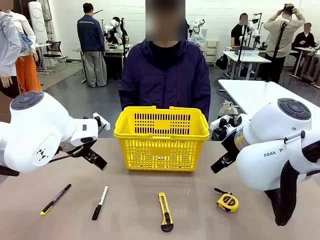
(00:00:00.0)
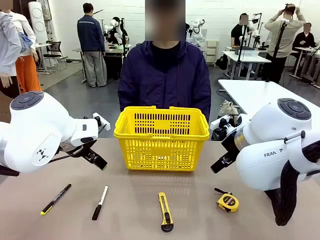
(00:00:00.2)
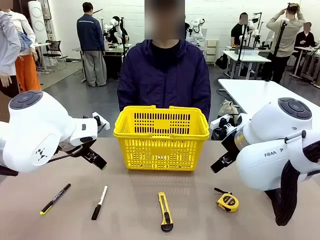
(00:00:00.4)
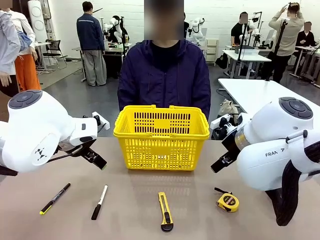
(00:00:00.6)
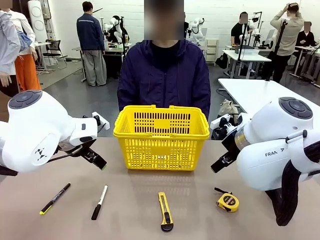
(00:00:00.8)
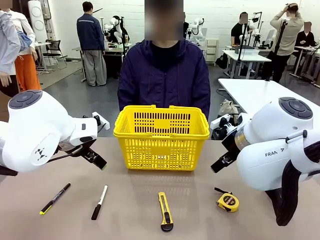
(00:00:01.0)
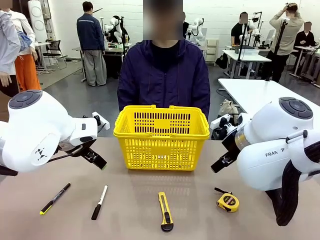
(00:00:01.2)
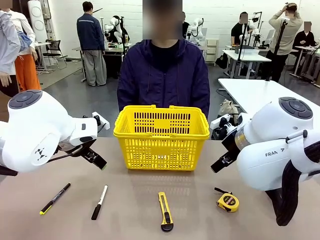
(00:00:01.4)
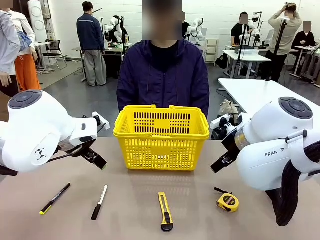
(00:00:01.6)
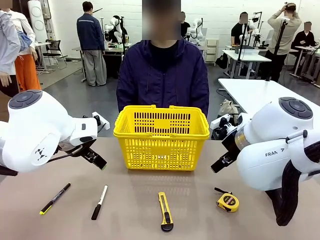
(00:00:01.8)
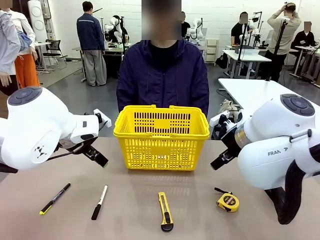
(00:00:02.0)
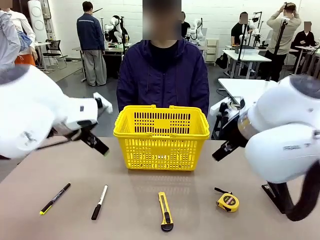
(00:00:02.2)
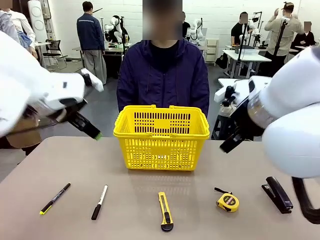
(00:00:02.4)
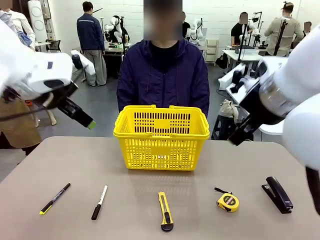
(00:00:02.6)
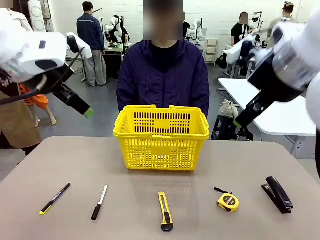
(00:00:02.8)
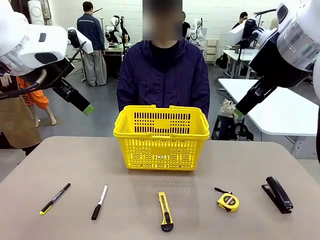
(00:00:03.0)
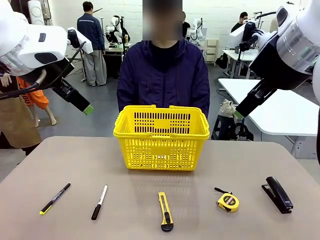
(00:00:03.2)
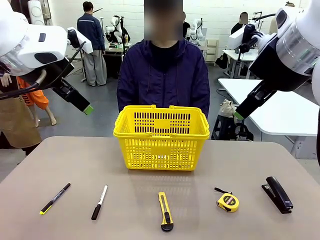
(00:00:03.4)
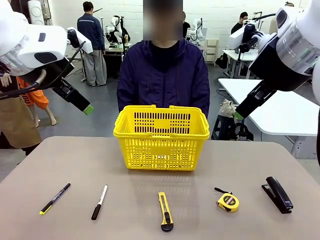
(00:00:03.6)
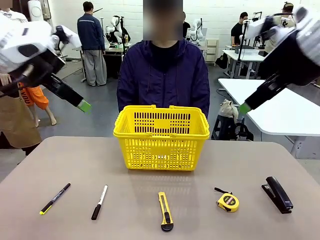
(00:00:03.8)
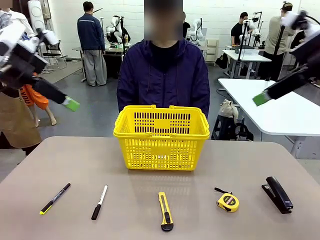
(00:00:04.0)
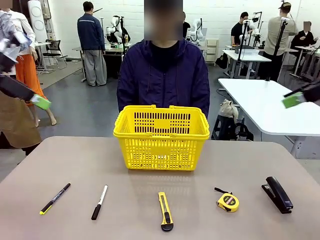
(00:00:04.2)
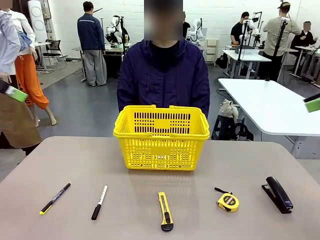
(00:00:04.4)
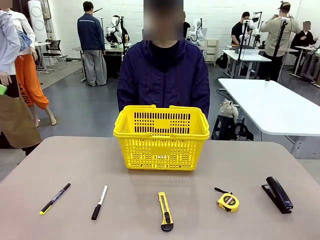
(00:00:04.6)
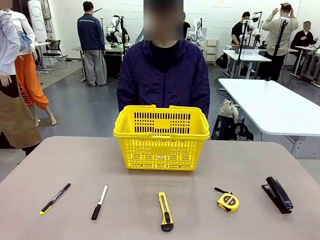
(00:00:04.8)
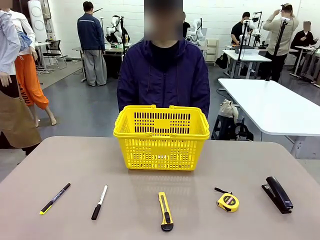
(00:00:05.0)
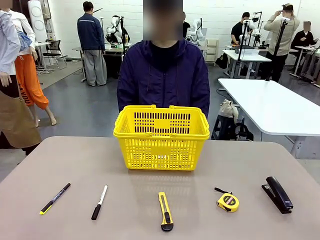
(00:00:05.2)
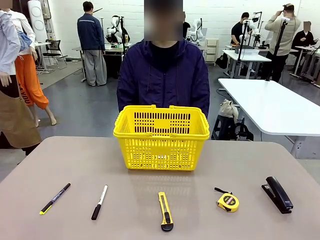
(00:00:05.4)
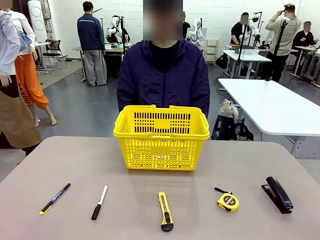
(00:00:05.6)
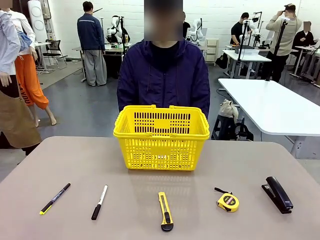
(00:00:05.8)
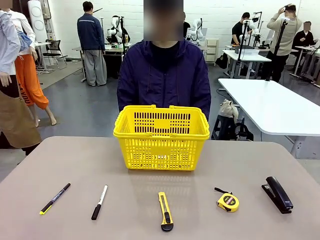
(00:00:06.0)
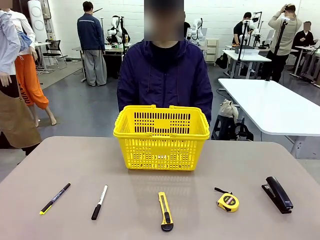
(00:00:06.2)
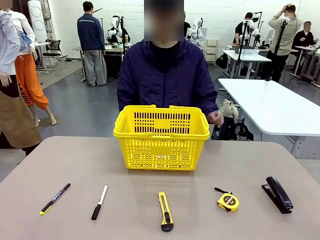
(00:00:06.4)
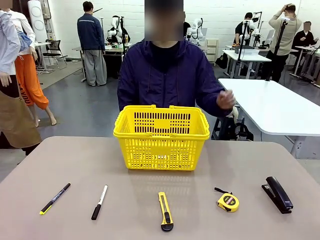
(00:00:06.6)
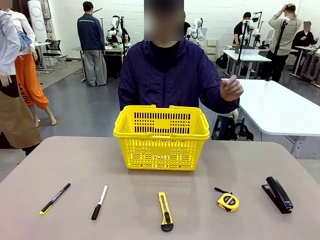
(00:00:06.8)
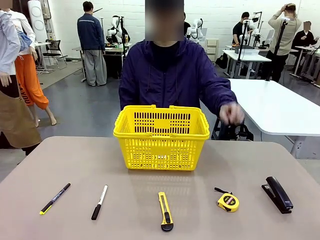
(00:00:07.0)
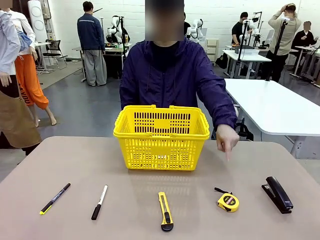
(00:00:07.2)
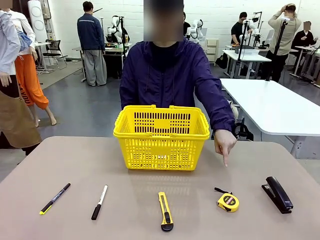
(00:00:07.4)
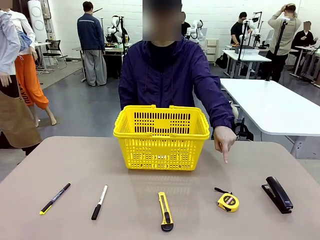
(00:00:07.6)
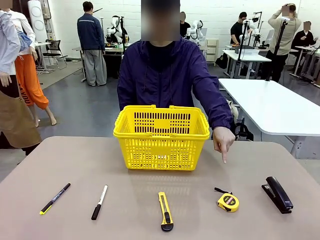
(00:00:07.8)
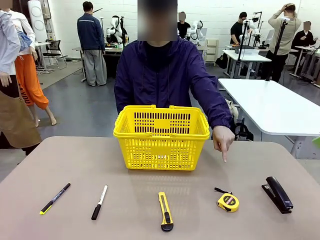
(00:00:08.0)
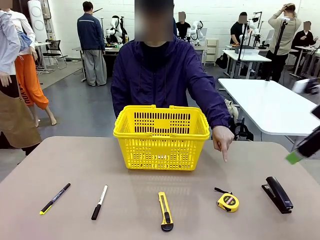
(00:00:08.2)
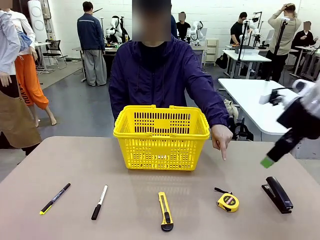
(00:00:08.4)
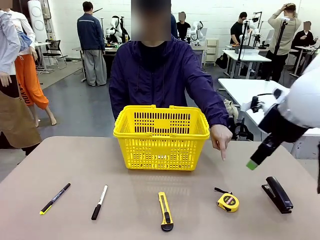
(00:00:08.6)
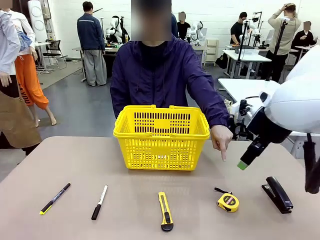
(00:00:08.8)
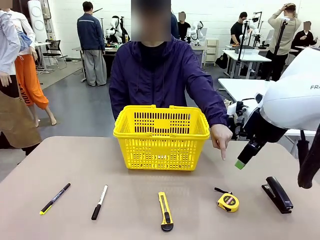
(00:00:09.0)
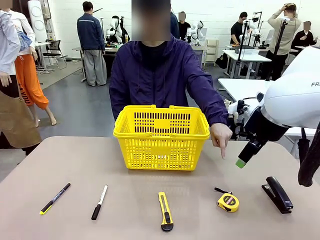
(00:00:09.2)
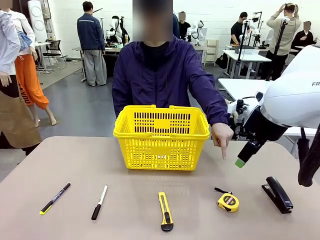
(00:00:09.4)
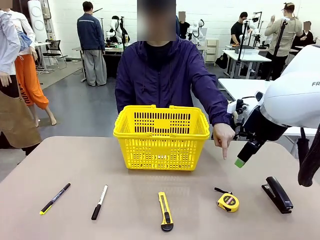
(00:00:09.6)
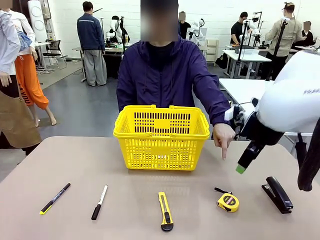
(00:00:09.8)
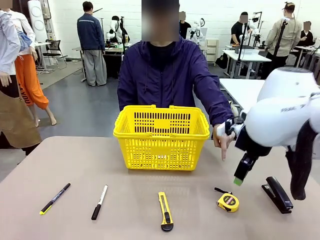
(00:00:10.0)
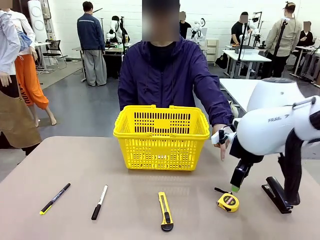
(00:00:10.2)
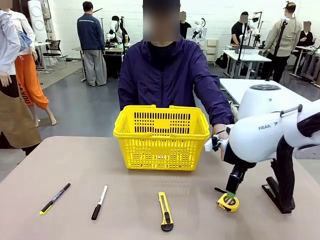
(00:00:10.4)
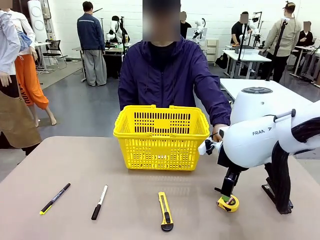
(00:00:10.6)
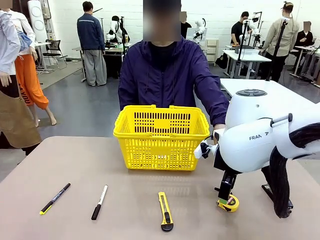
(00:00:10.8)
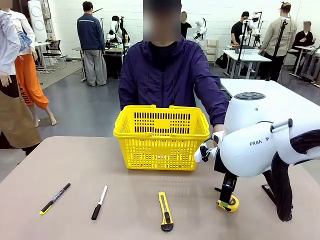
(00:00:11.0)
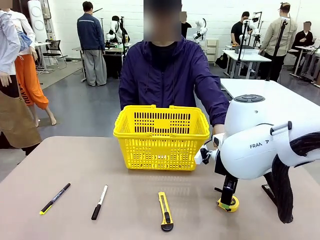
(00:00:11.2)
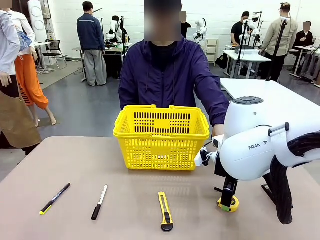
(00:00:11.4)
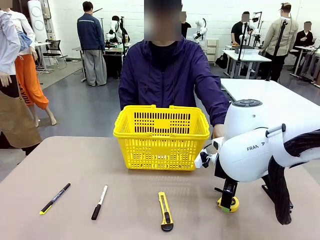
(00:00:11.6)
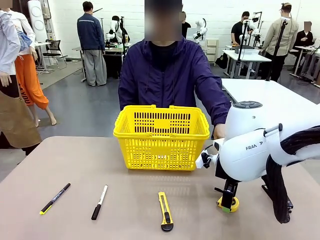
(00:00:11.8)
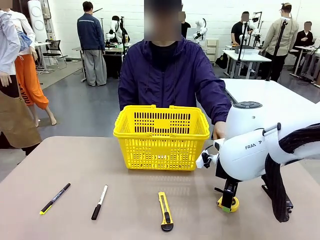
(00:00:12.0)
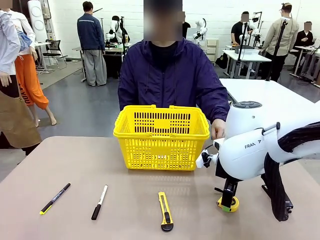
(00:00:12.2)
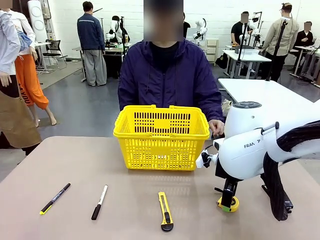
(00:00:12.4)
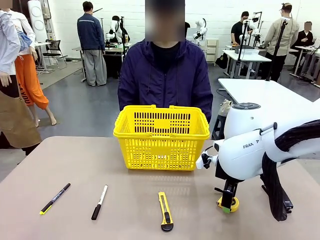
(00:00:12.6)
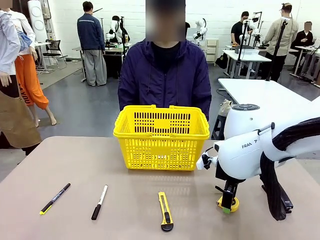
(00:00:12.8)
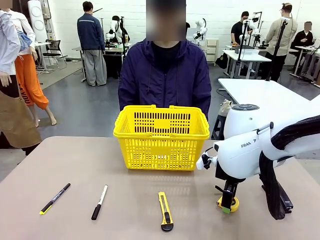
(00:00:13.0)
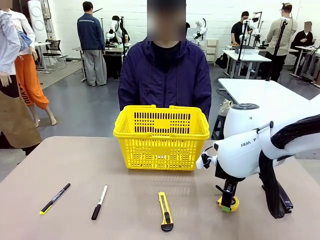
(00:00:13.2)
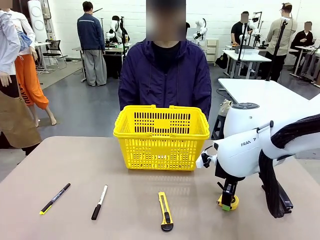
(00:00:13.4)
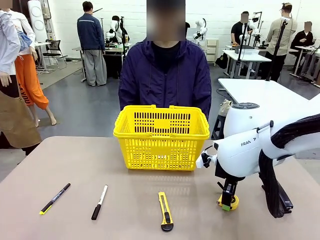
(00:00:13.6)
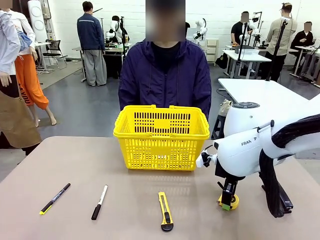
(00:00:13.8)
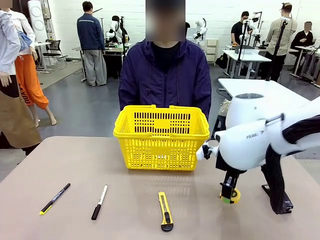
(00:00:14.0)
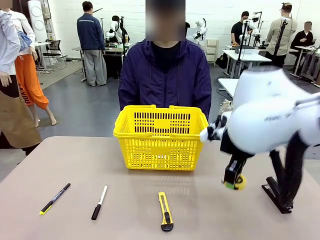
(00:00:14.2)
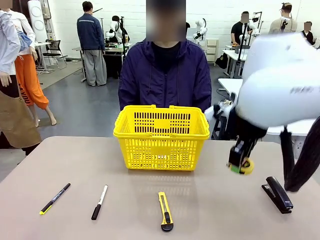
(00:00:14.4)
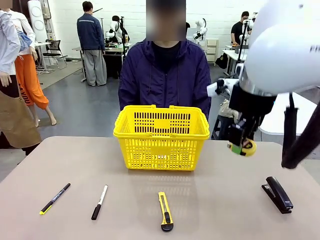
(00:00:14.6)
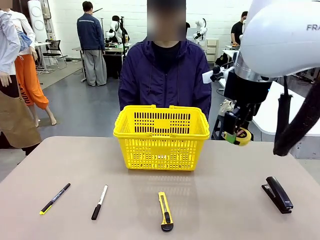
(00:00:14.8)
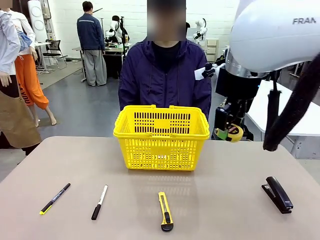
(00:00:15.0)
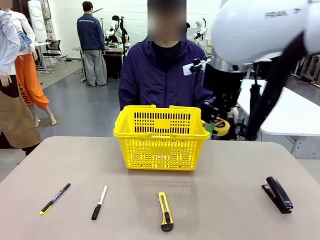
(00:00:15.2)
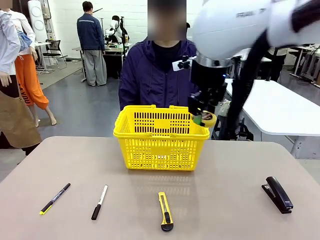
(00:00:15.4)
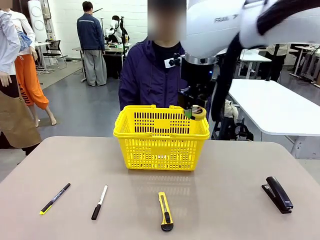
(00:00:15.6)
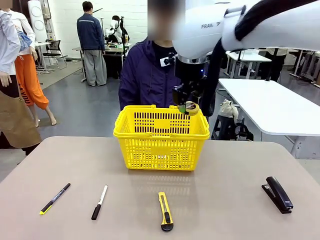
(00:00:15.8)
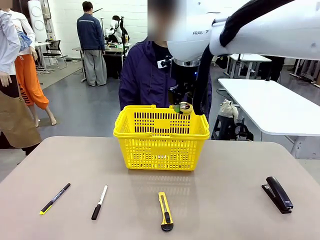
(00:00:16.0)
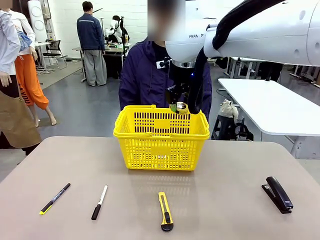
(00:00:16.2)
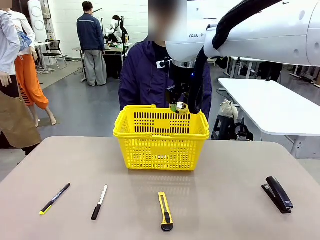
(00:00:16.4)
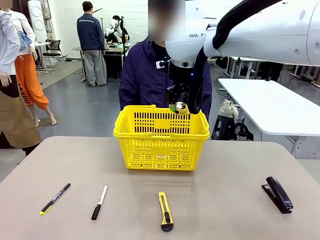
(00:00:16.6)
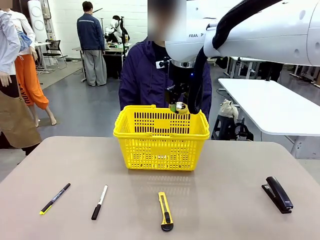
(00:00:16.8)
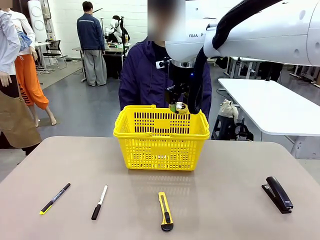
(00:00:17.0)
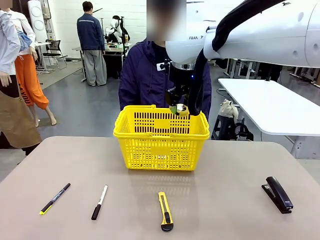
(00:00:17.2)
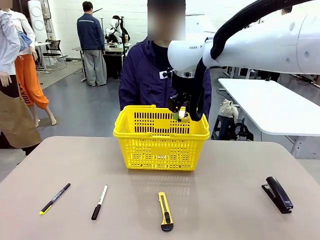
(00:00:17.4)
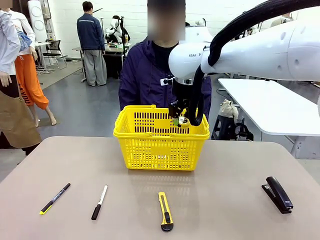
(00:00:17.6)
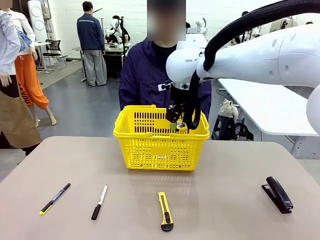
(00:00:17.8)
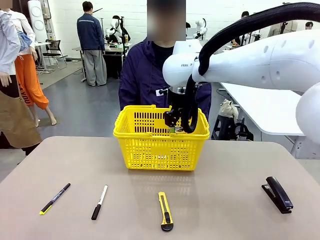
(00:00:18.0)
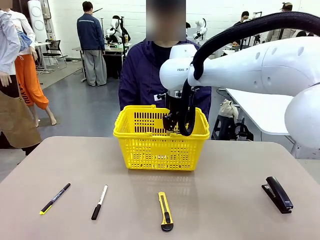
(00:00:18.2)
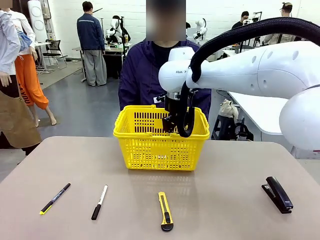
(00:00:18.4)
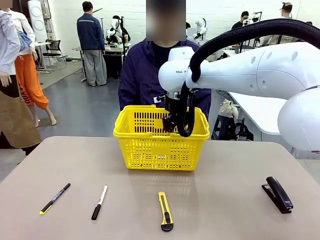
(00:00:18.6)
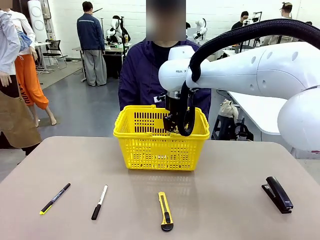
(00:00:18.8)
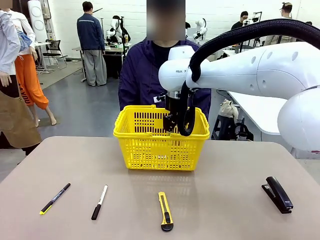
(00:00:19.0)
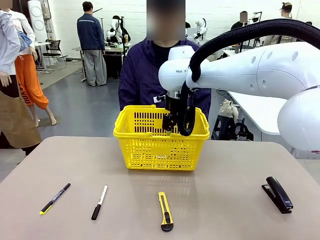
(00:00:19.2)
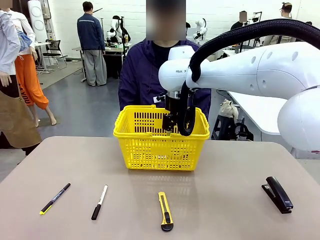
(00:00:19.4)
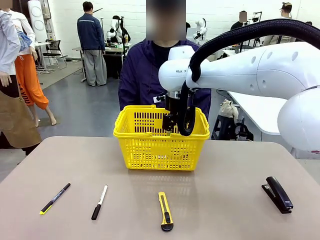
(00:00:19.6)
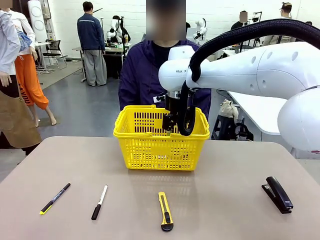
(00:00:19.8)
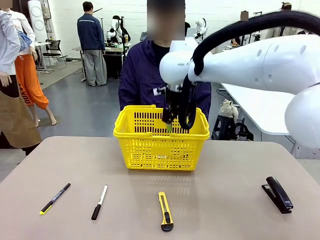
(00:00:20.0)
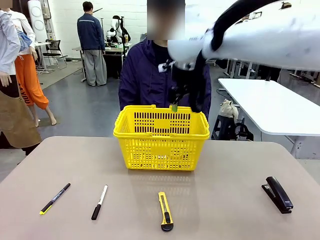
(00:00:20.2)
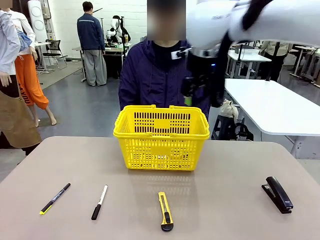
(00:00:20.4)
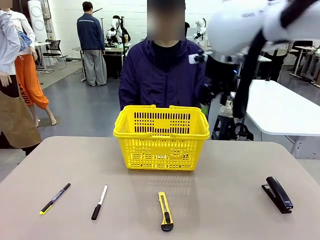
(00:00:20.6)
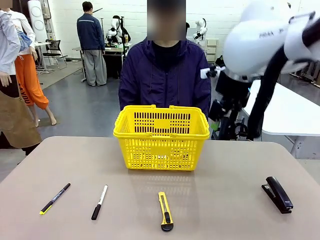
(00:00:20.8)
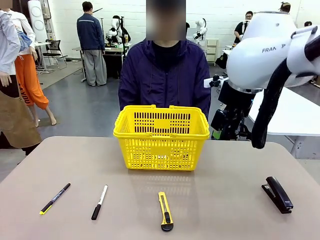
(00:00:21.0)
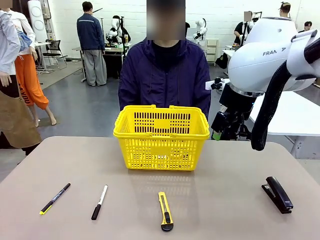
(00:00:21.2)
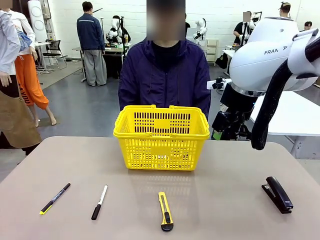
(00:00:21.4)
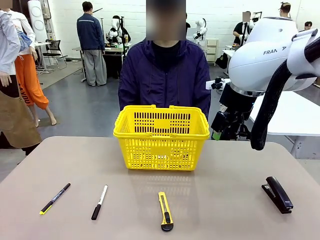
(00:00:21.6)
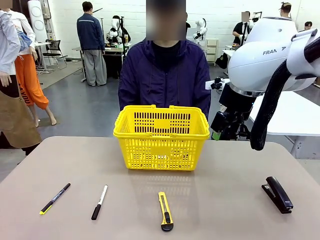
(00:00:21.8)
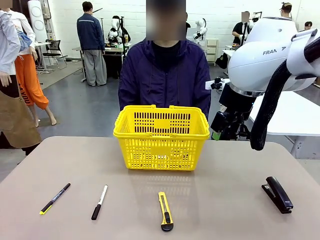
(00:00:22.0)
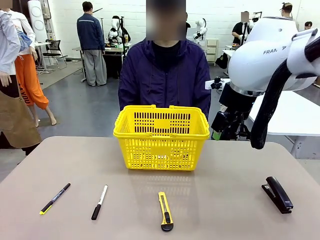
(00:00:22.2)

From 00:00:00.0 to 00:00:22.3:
Task: Place the items the person wants into the basket.
Robot: Pick up the item the person points to and place it in the Market Basket.
